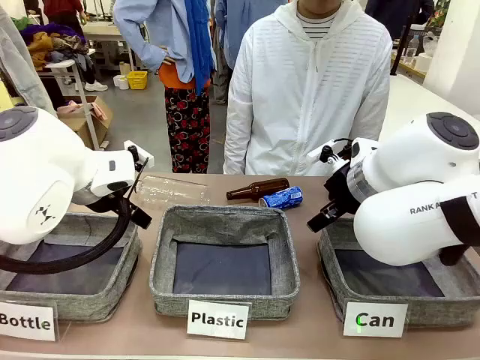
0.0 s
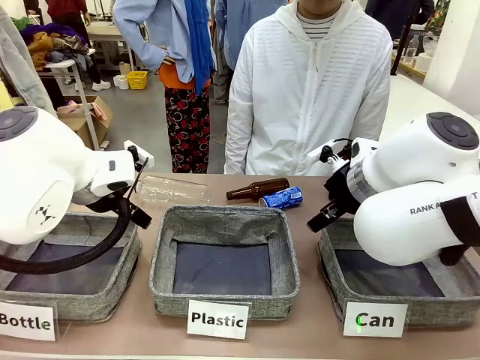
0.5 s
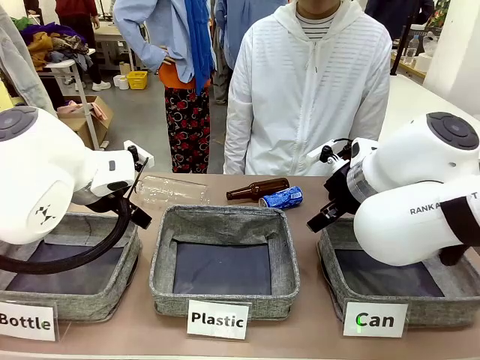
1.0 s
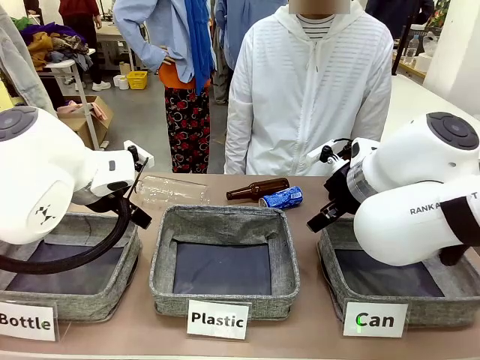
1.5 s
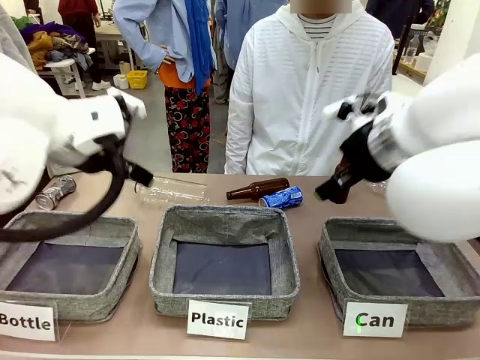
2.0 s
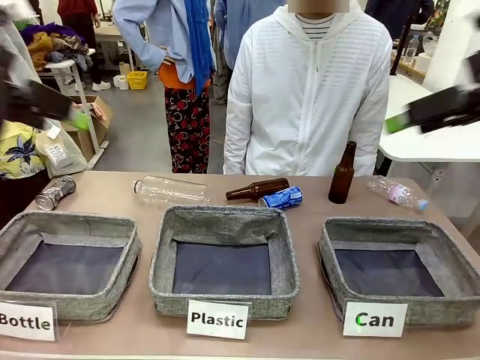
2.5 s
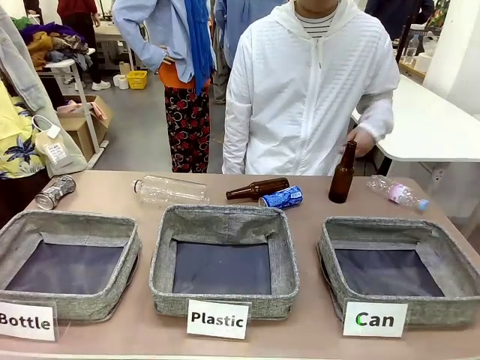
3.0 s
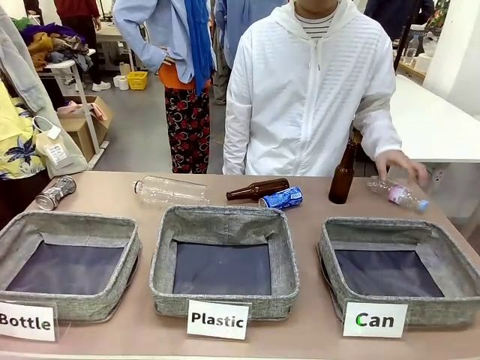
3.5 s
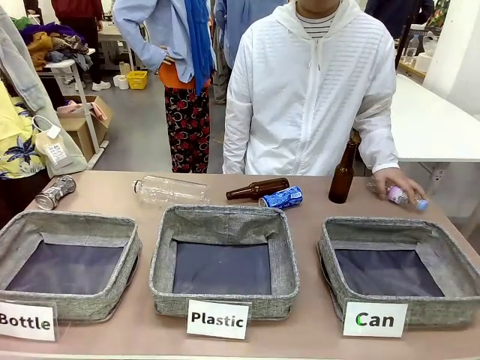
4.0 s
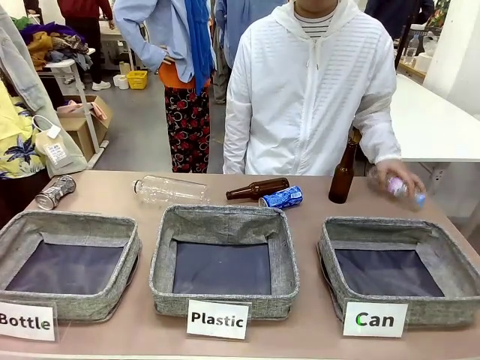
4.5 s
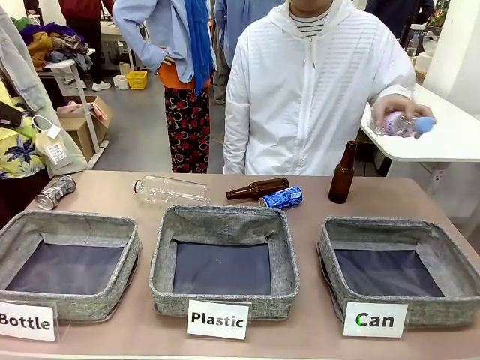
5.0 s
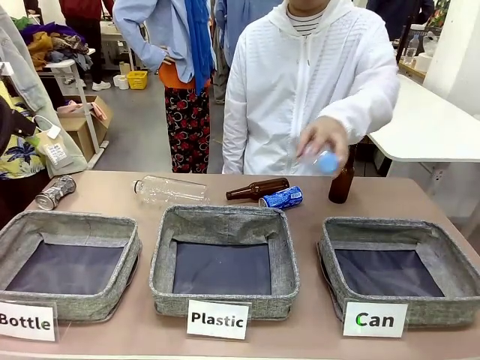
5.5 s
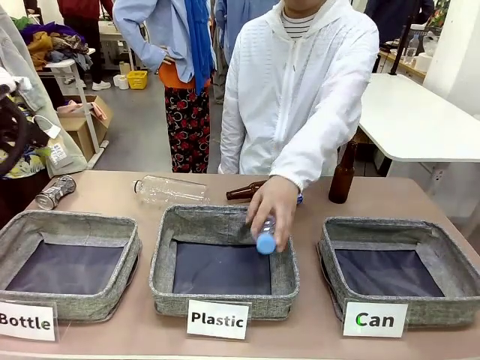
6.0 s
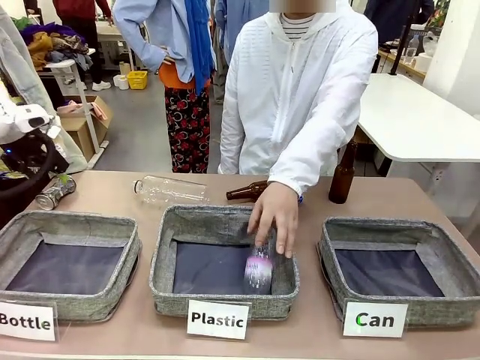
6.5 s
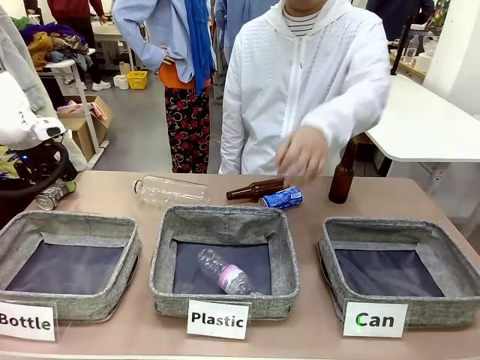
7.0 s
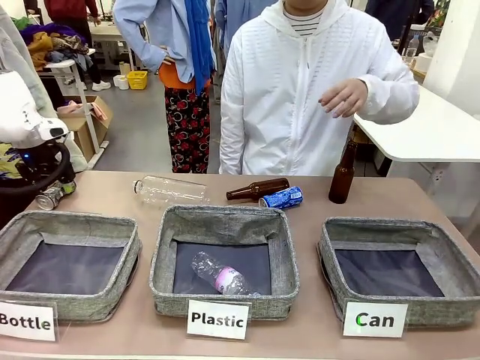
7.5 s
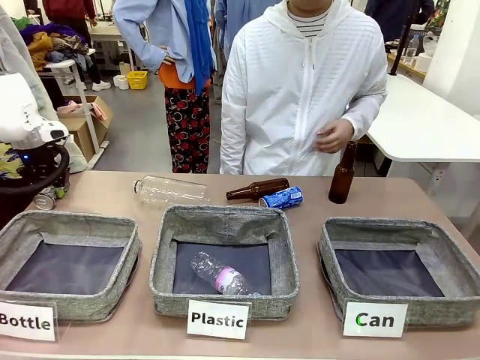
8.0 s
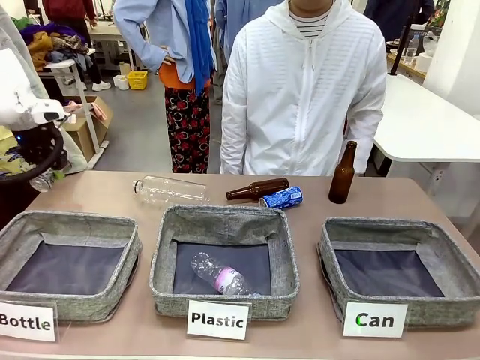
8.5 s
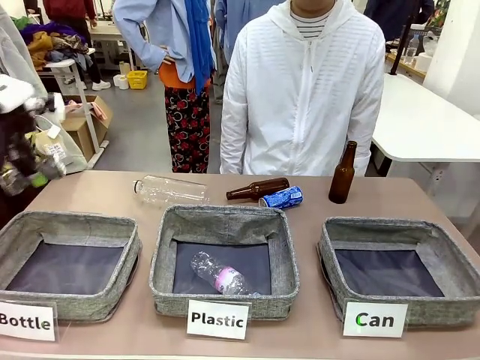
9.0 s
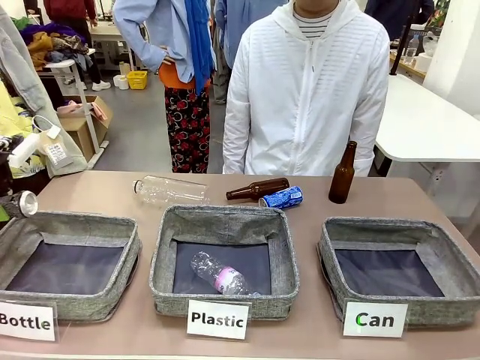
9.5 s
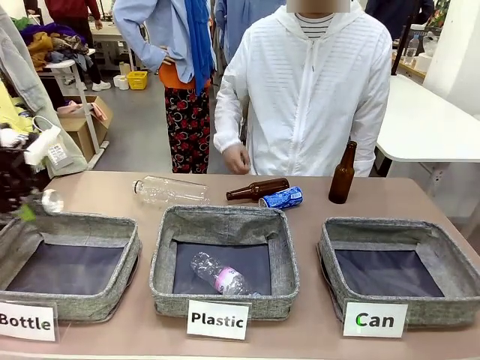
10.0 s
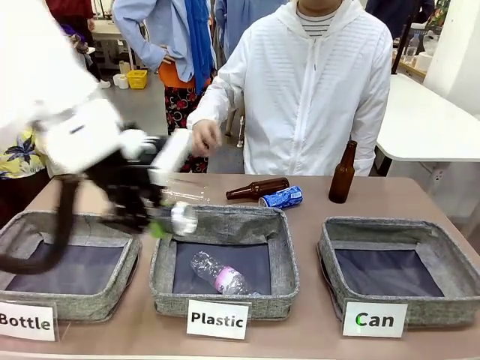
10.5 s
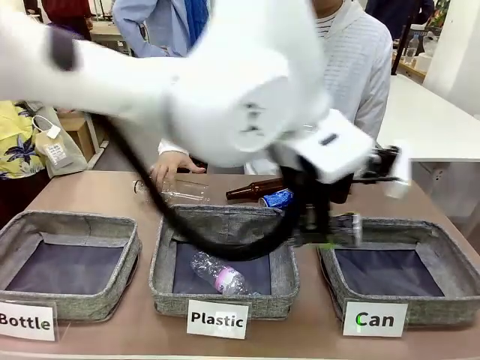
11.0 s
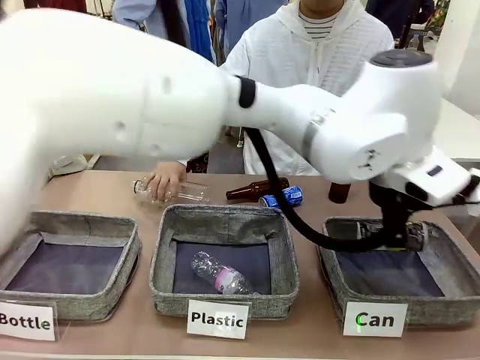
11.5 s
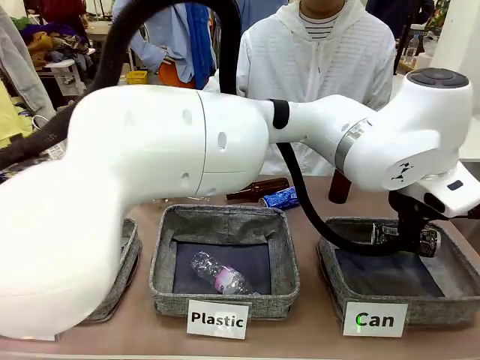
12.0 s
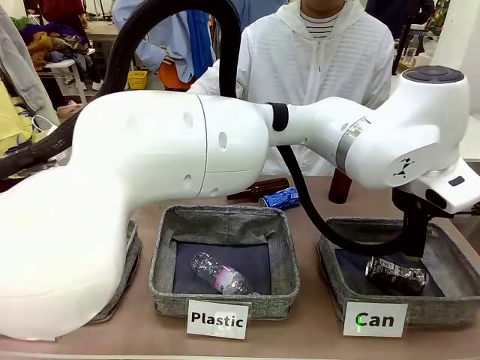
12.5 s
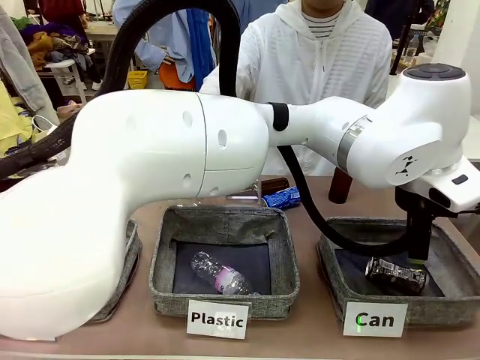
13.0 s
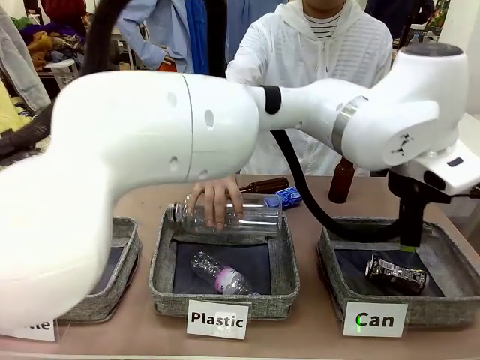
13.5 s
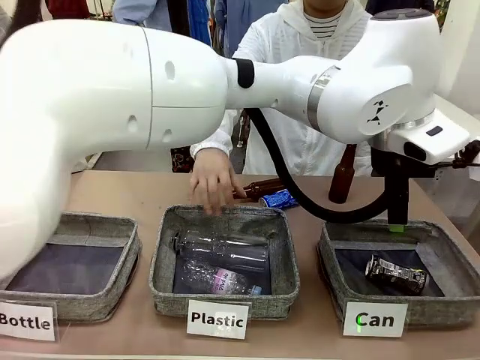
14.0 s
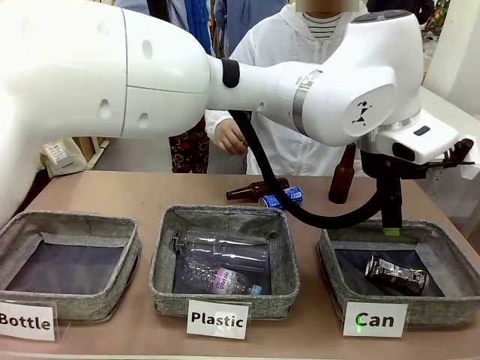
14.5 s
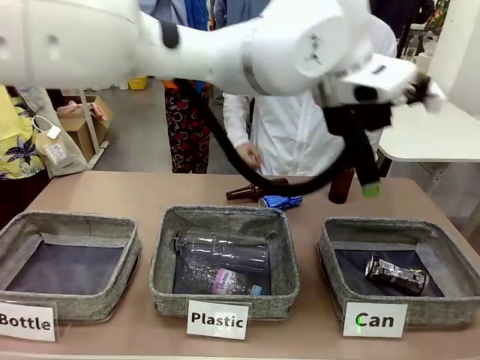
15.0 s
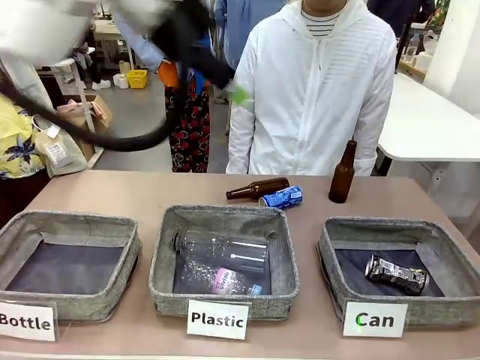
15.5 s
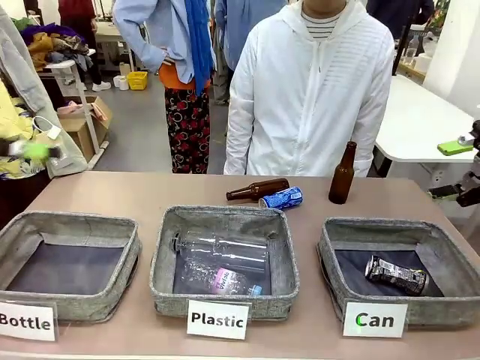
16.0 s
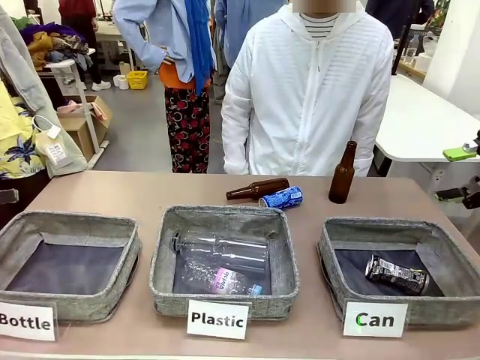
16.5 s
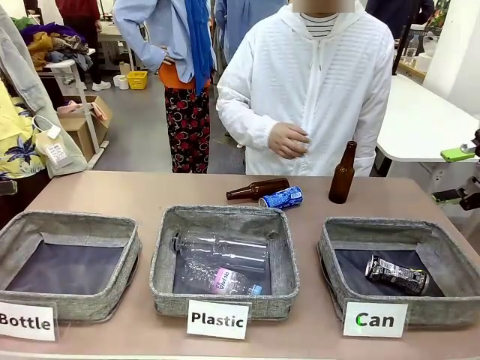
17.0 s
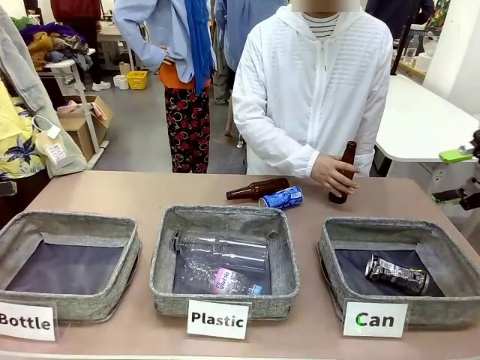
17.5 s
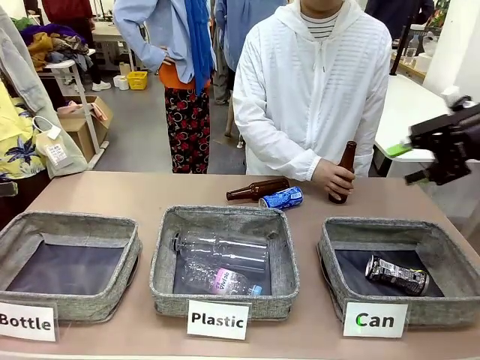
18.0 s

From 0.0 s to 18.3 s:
Task: Sort the can waste into the basket.
Robot: Pick up the can waste from the table and place it in the right Fabric basket.
